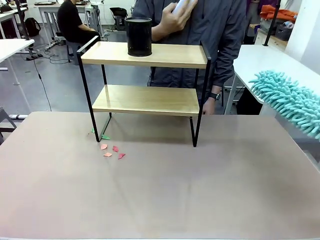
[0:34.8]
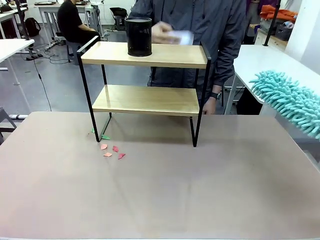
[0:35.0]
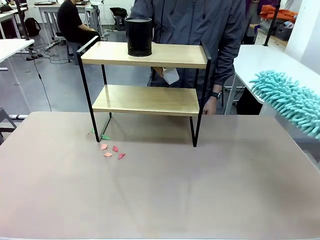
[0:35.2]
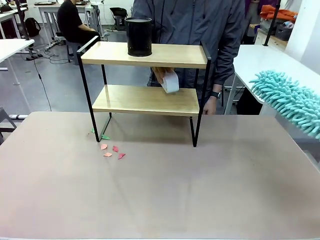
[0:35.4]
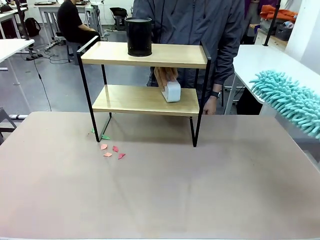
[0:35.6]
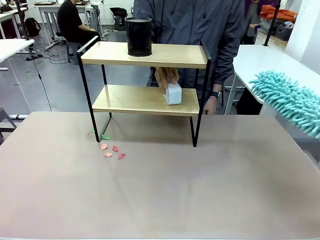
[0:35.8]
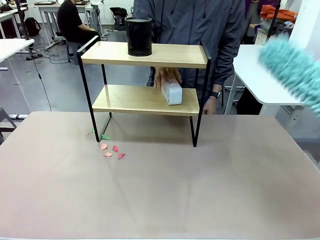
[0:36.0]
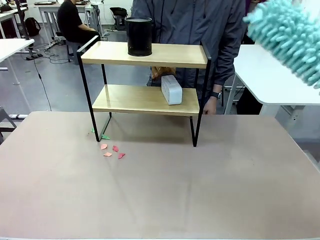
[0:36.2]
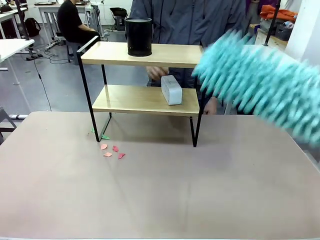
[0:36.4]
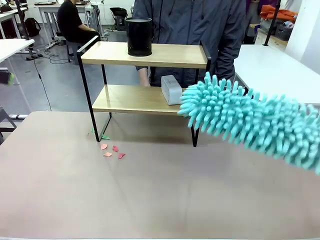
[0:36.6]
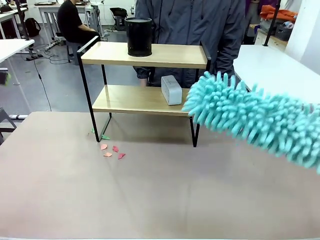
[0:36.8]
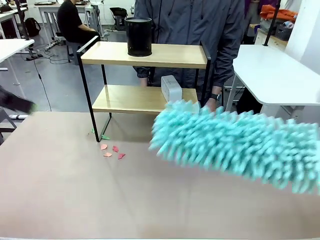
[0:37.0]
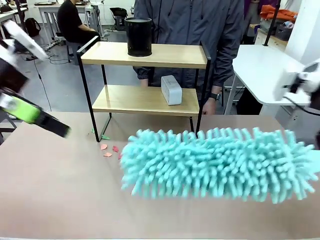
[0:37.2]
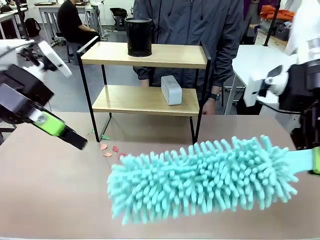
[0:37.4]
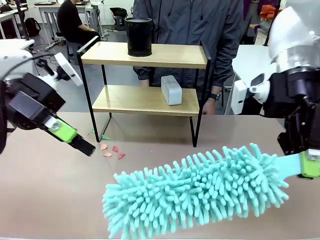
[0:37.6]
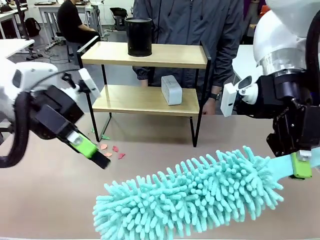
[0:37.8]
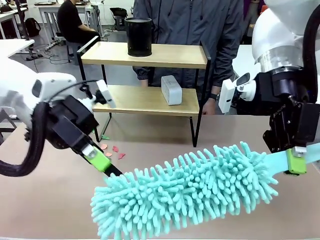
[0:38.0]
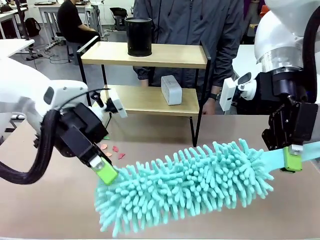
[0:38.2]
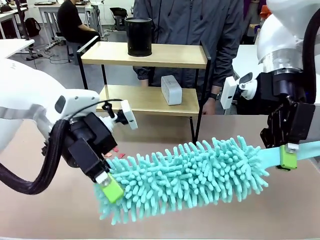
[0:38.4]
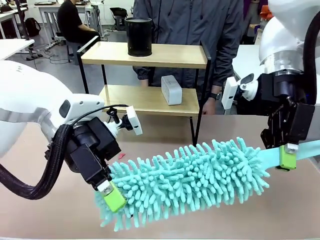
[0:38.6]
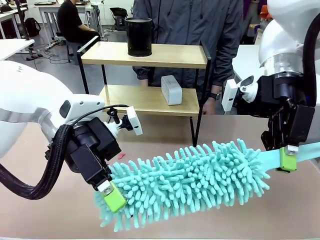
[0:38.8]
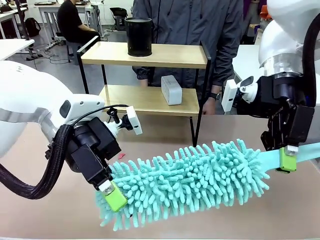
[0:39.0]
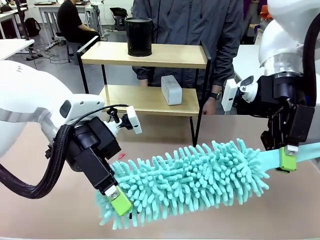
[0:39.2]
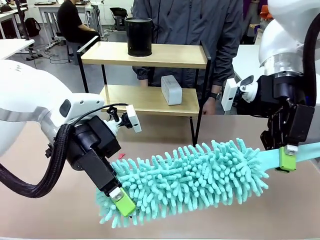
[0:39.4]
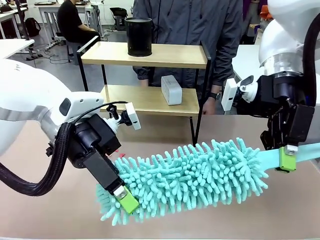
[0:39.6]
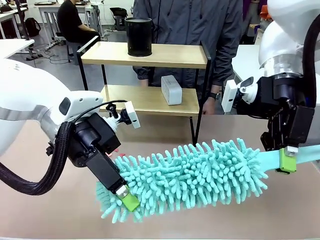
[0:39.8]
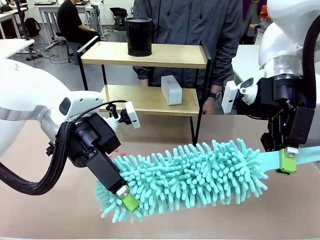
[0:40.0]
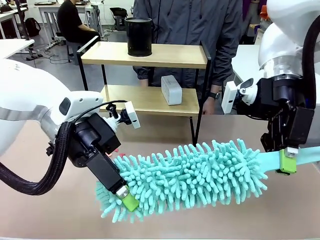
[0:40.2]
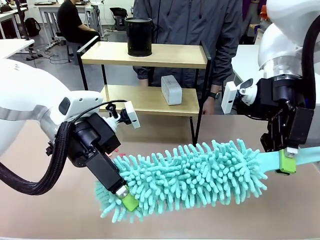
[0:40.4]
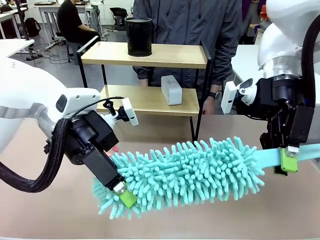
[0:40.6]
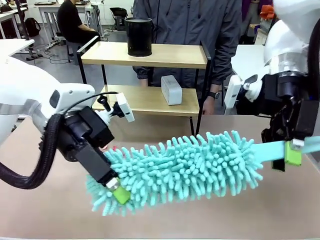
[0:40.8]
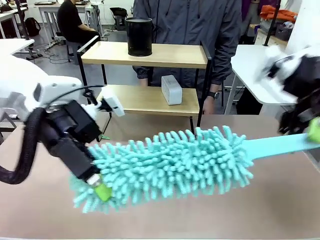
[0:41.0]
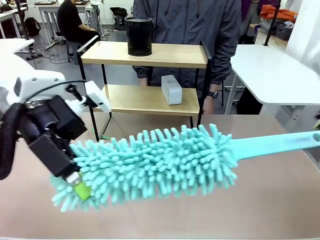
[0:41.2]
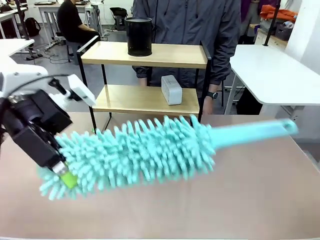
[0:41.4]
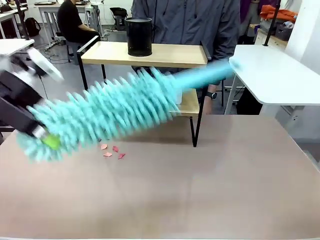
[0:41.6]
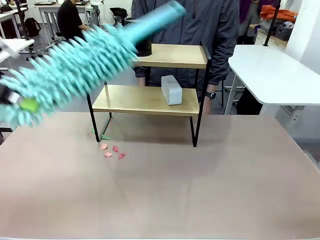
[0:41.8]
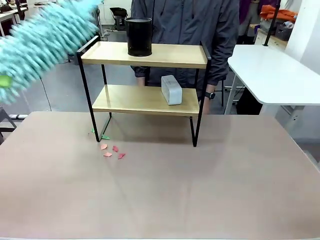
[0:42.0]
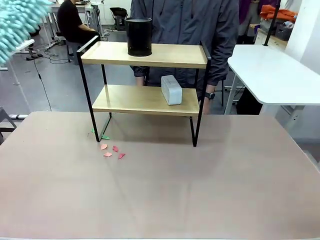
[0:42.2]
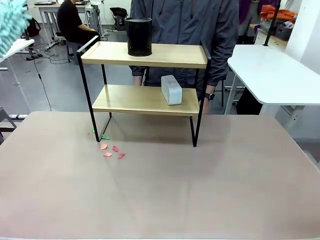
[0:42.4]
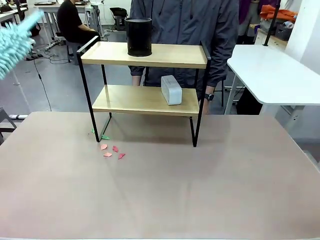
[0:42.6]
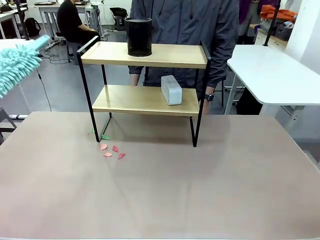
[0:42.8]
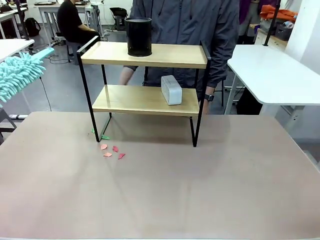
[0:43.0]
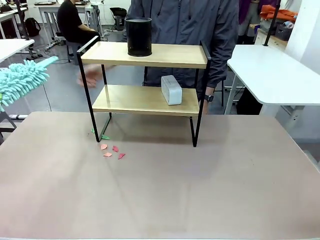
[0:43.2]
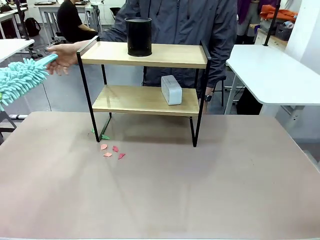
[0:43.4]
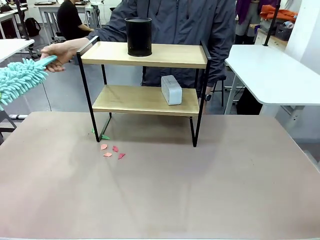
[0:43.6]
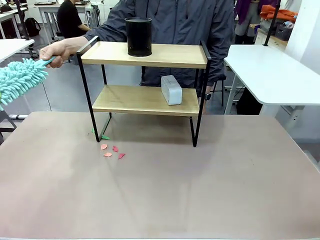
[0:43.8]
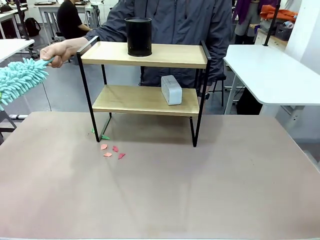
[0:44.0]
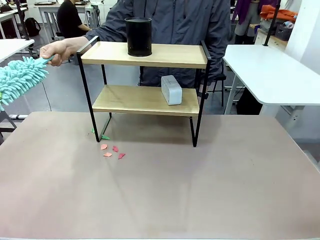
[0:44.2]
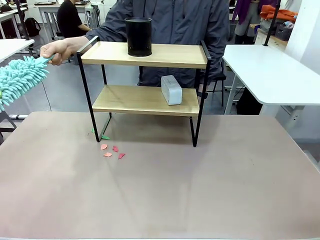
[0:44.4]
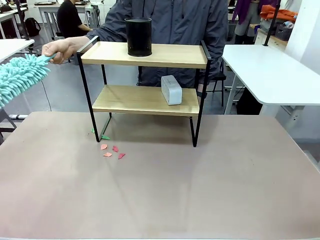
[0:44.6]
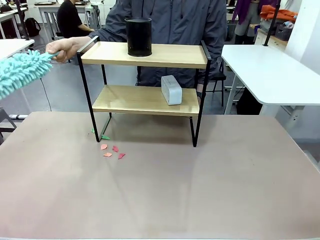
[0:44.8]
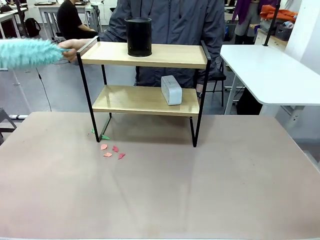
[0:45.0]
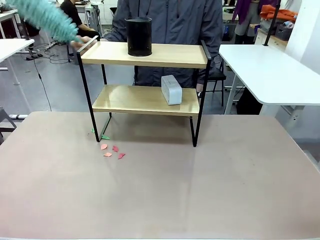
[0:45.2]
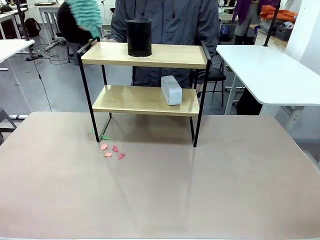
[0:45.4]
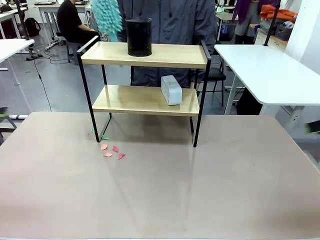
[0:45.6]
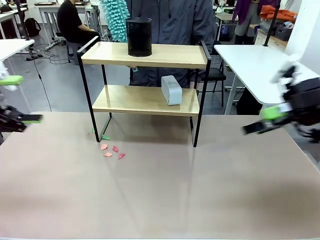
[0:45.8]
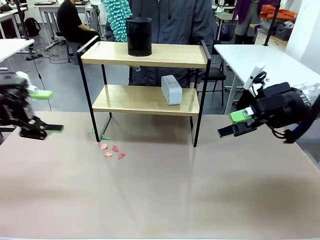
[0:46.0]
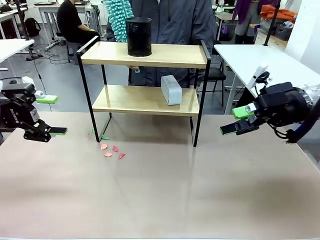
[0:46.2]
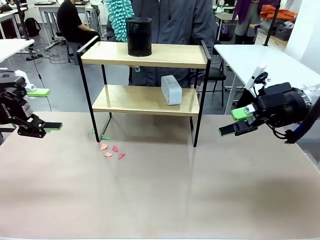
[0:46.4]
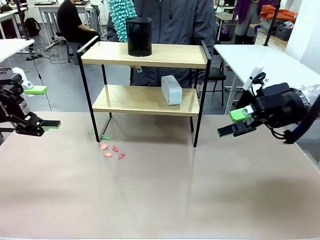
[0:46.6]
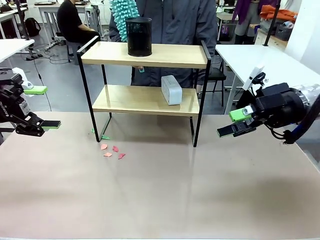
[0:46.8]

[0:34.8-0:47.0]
Task: Clean the shelf.
Robot: Hand the Duster back to the human.

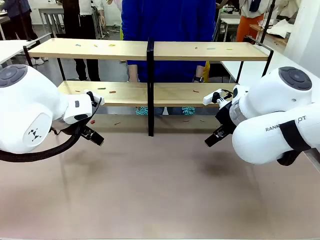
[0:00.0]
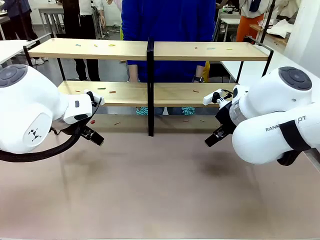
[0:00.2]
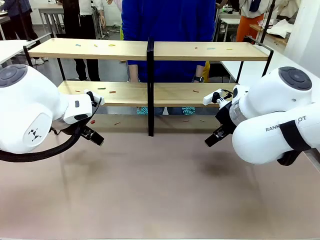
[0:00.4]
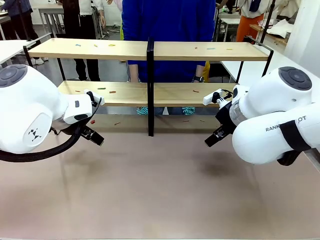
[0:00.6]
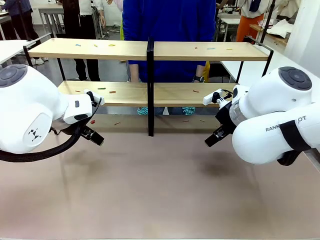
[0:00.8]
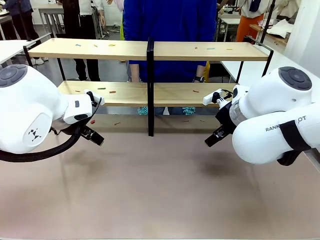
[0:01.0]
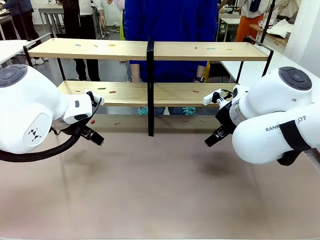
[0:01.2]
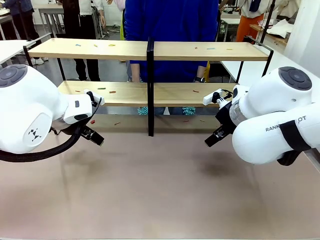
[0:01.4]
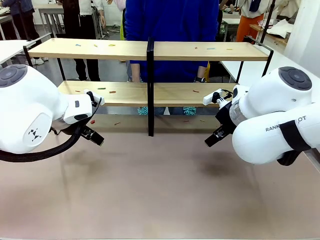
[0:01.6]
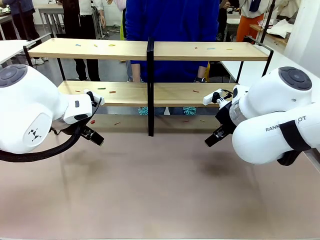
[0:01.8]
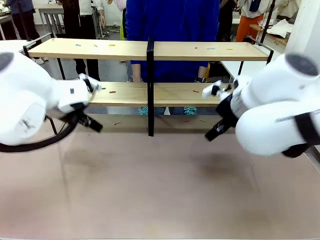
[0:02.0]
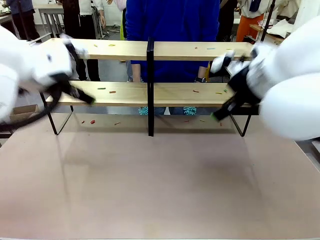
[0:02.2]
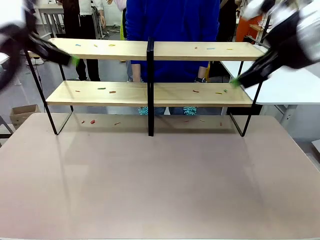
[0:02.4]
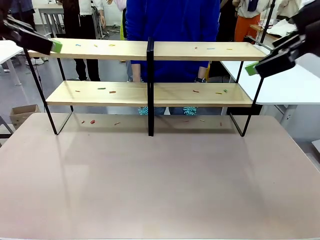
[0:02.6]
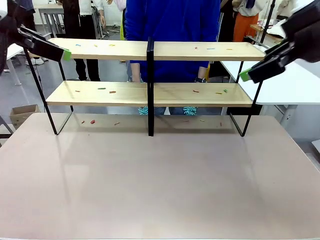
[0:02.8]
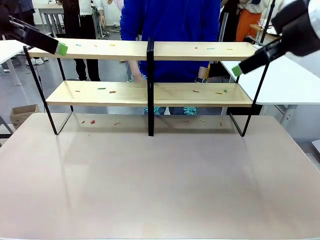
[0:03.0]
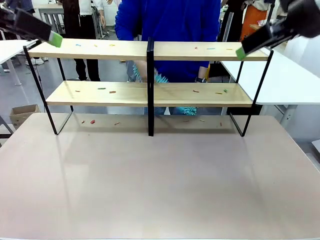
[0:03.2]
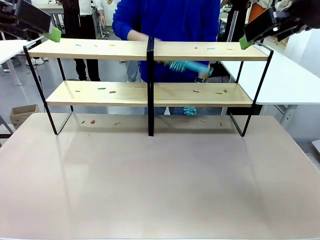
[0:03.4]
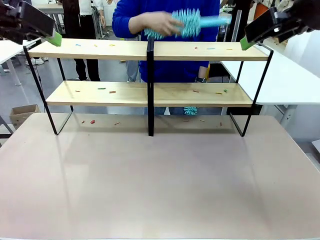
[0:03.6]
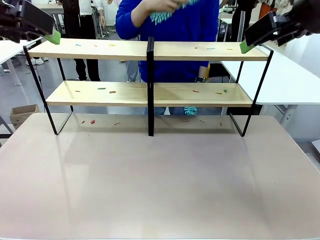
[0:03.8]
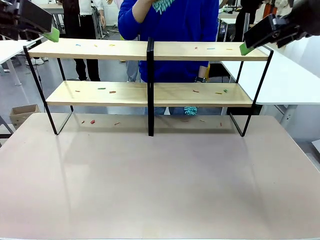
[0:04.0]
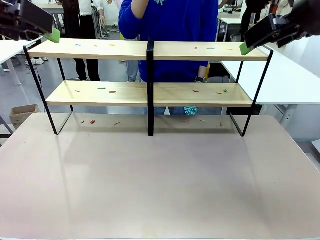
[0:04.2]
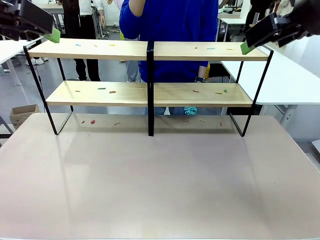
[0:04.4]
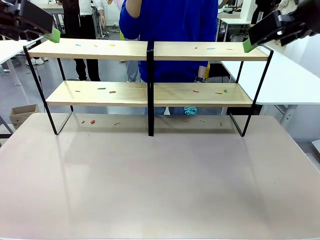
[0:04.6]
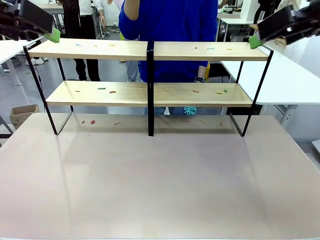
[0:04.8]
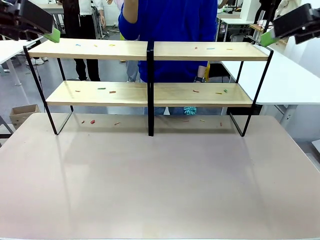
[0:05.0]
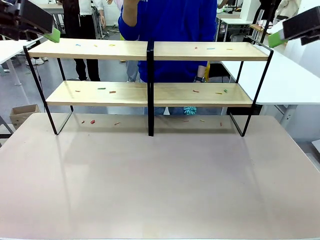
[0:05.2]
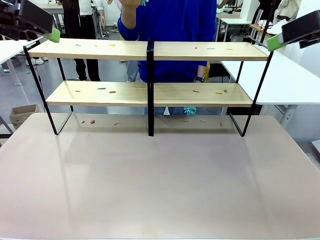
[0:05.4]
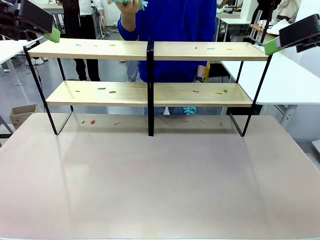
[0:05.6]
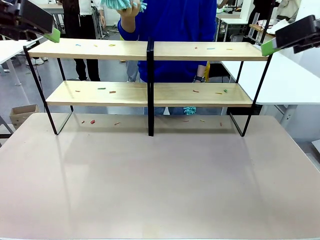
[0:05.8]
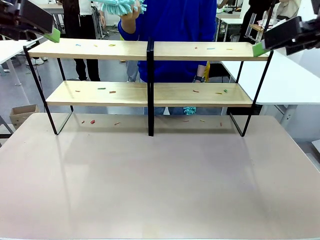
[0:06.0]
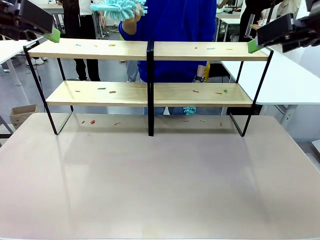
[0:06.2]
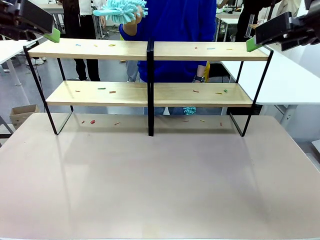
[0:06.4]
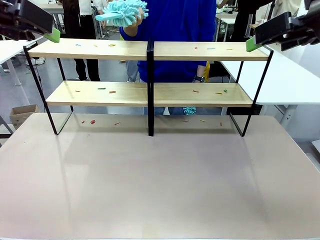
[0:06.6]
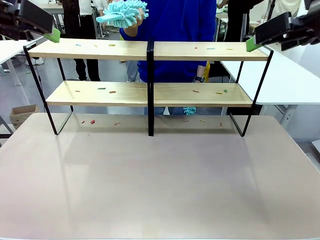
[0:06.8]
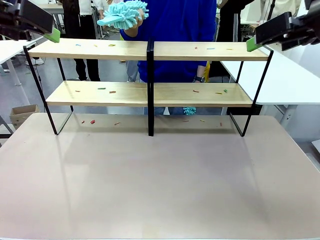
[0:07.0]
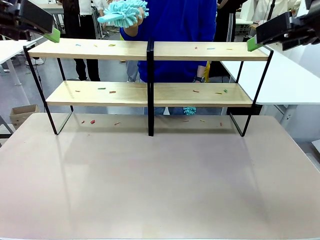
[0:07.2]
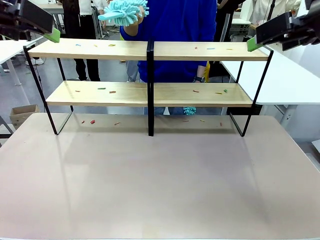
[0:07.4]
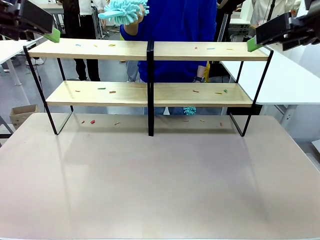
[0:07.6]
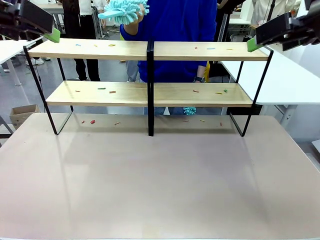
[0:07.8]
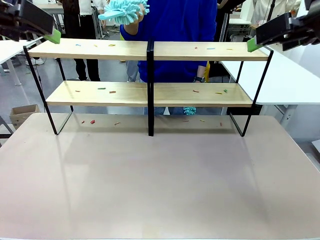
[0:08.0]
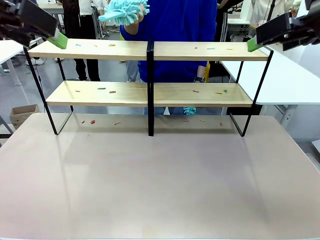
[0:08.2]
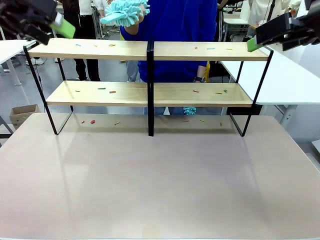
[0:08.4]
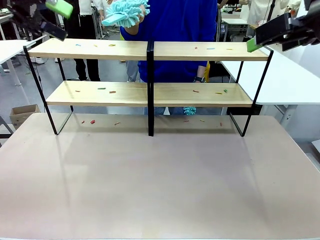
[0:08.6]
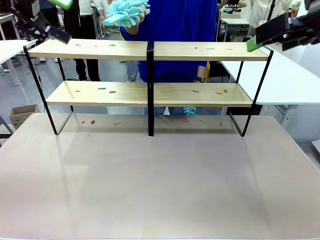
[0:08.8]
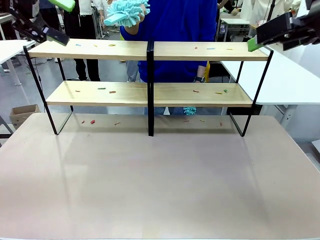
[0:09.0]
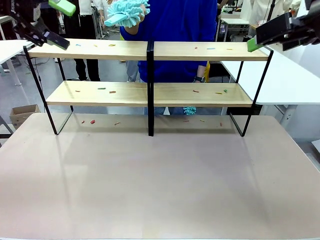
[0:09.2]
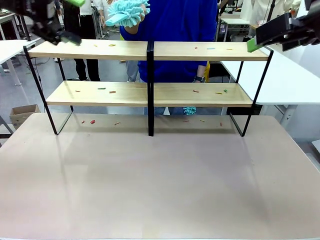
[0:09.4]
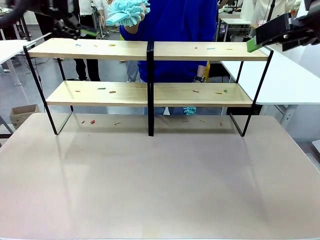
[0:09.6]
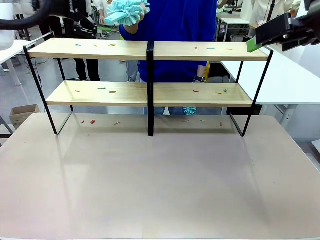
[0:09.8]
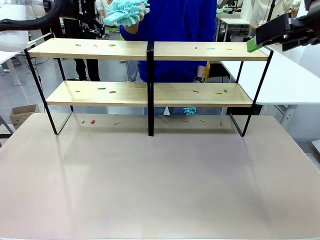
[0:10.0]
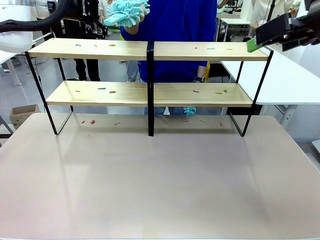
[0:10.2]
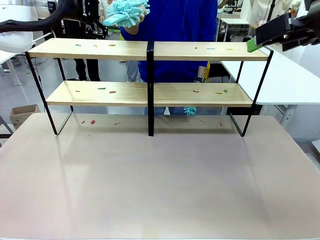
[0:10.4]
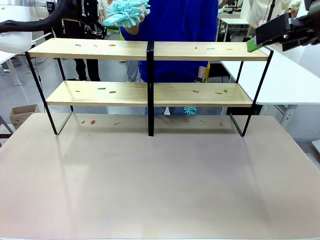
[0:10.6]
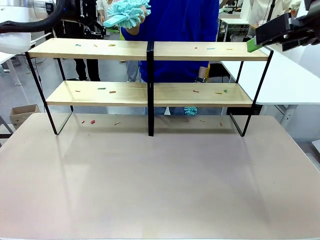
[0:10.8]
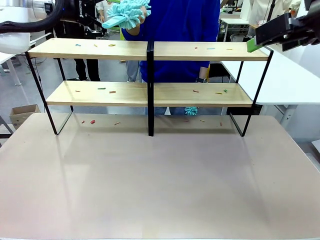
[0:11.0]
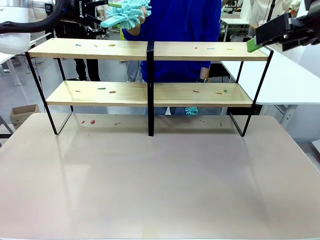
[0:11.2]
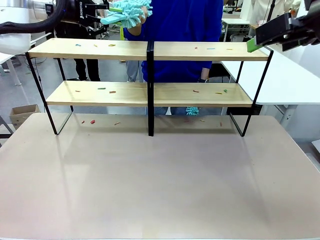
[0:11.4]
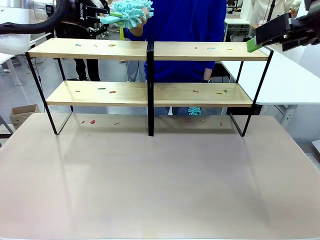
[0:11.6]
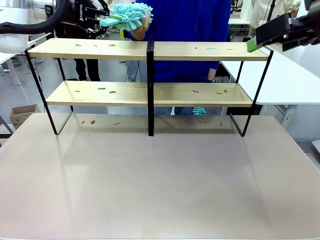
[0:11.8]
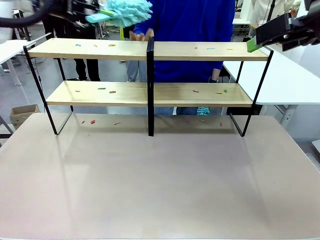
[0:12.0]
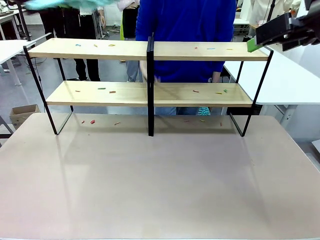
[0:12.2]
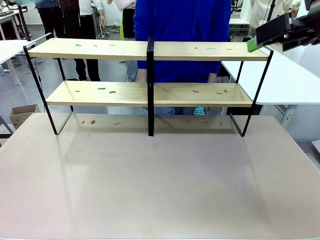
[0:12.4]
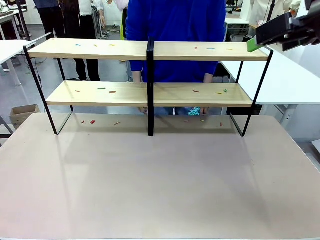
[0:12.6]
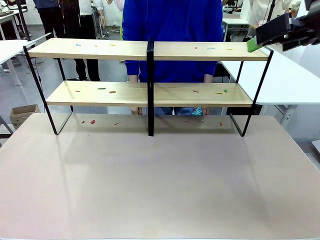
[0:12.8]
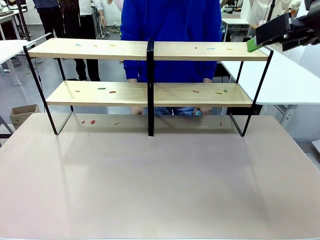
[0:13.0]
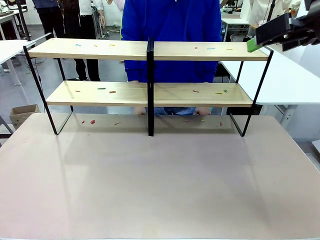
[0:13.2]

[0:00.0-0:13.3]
Task: Clean the shelves.
Robot: Pick up the Duster when the human hands it over.
Person: Hand the Duster to the robot with your right (or left) hand.
